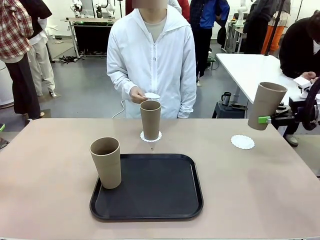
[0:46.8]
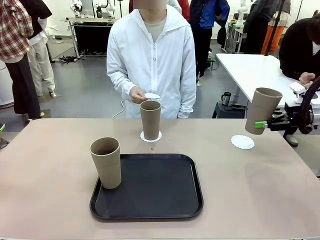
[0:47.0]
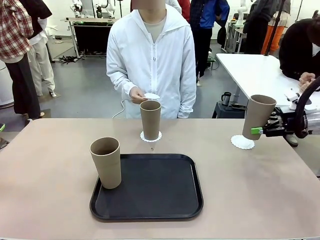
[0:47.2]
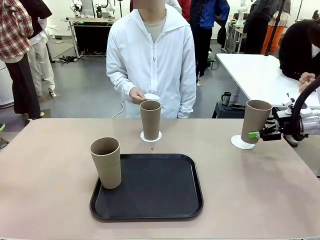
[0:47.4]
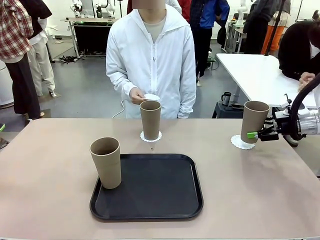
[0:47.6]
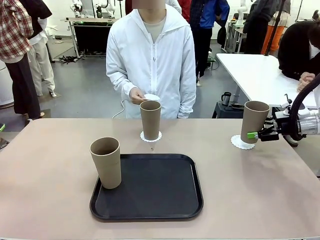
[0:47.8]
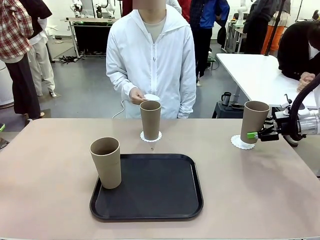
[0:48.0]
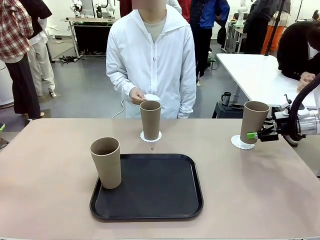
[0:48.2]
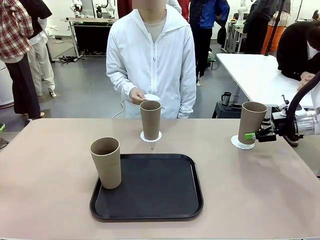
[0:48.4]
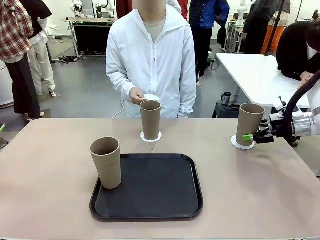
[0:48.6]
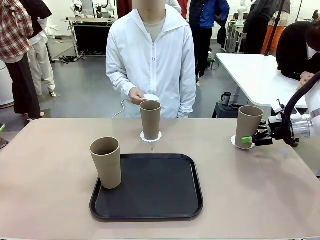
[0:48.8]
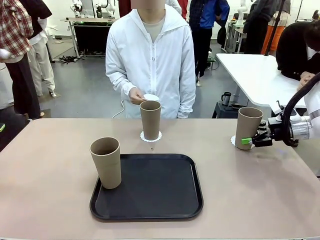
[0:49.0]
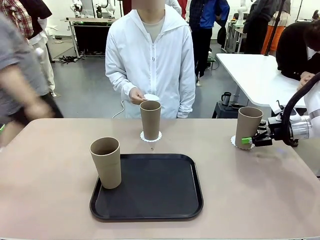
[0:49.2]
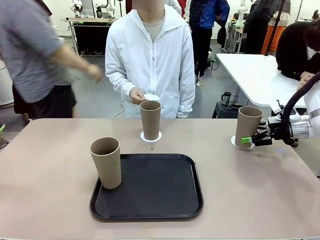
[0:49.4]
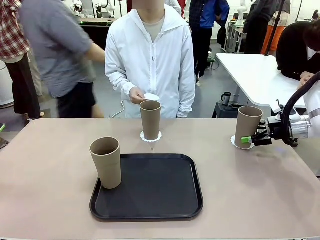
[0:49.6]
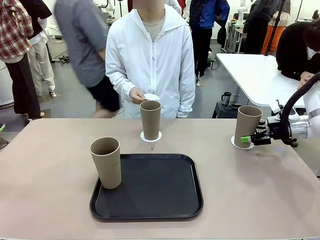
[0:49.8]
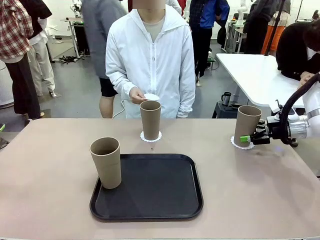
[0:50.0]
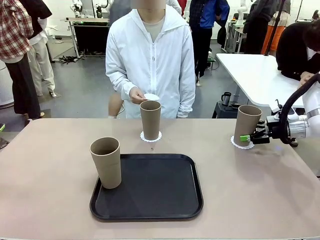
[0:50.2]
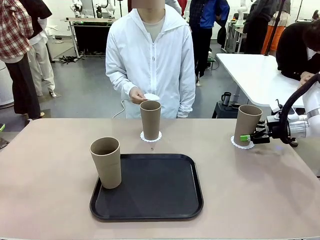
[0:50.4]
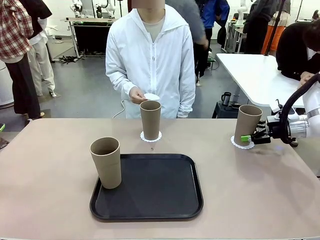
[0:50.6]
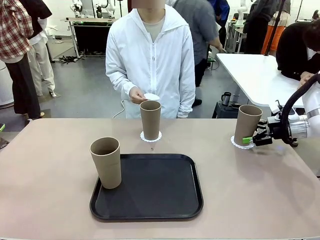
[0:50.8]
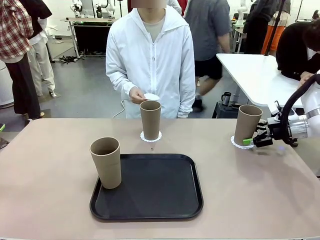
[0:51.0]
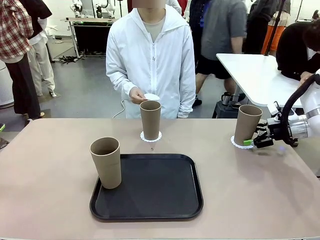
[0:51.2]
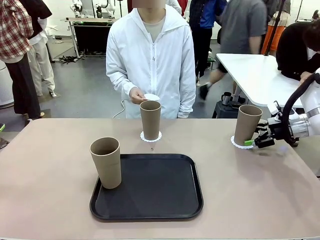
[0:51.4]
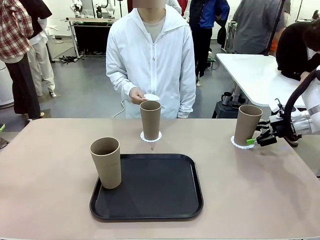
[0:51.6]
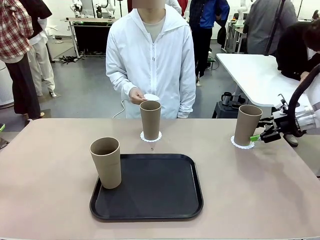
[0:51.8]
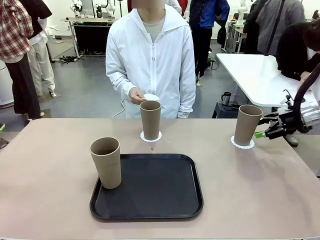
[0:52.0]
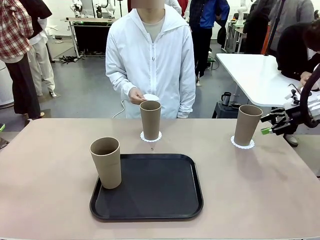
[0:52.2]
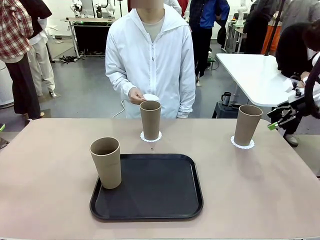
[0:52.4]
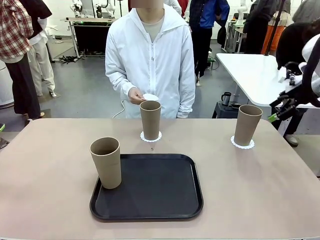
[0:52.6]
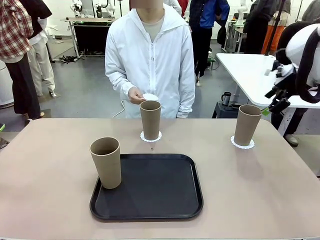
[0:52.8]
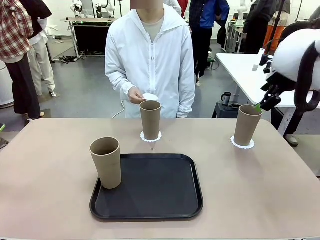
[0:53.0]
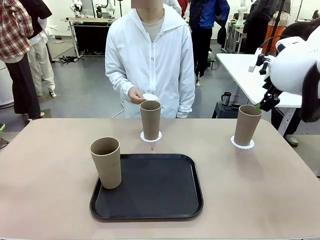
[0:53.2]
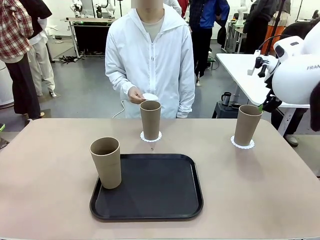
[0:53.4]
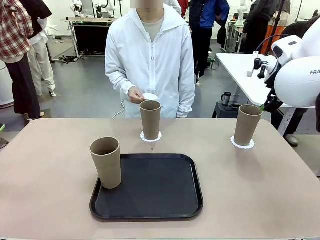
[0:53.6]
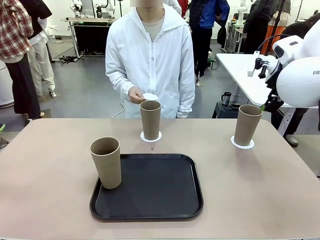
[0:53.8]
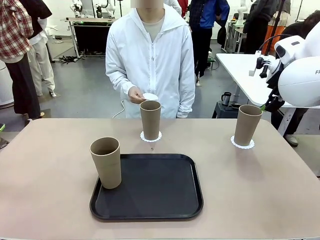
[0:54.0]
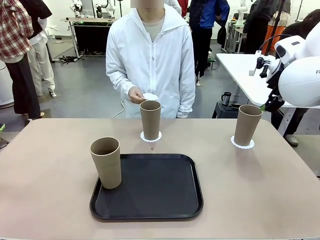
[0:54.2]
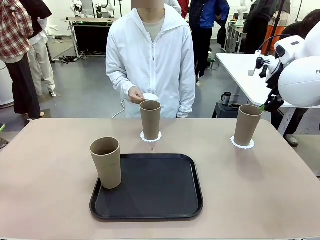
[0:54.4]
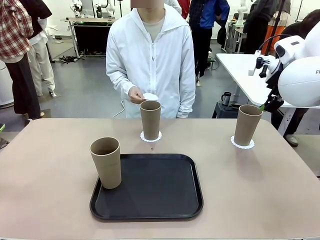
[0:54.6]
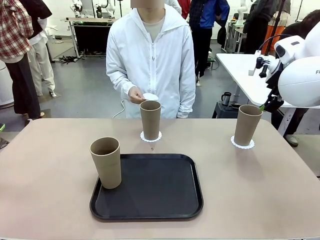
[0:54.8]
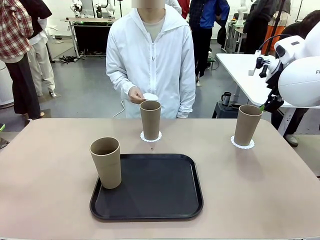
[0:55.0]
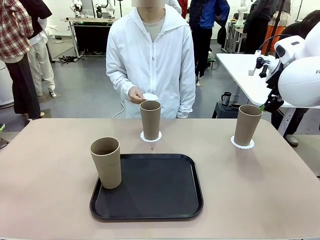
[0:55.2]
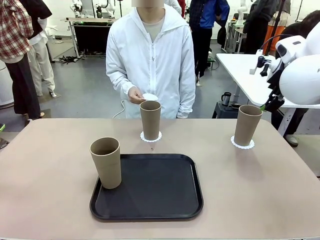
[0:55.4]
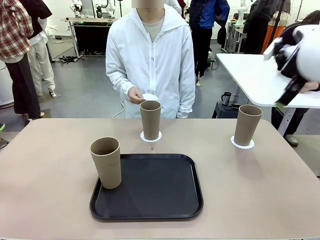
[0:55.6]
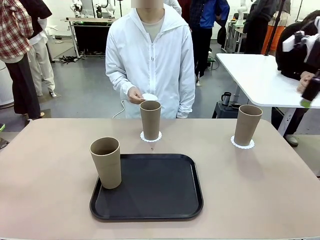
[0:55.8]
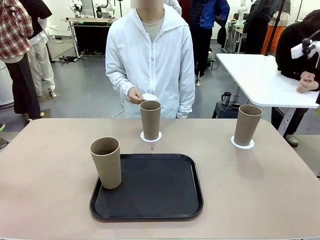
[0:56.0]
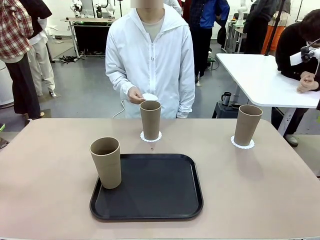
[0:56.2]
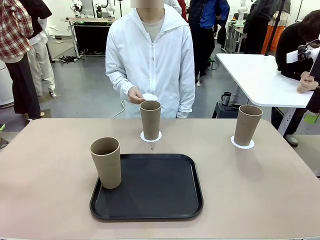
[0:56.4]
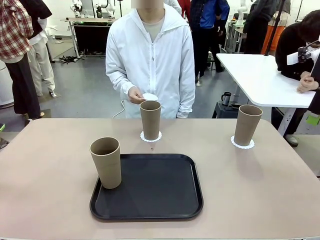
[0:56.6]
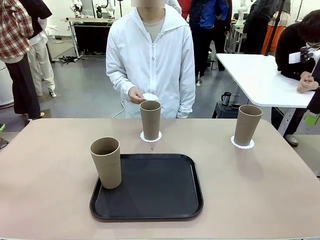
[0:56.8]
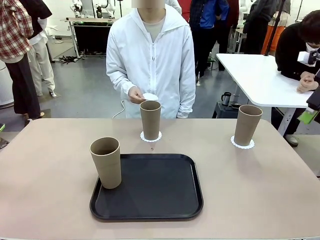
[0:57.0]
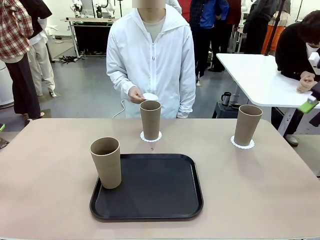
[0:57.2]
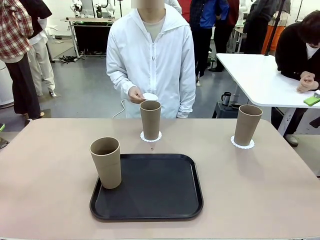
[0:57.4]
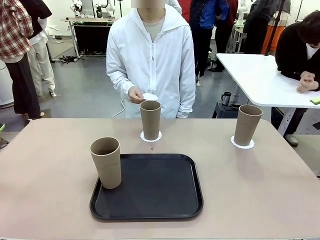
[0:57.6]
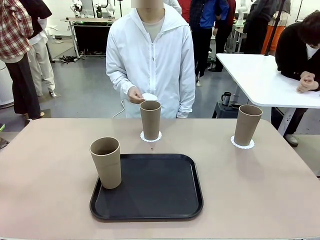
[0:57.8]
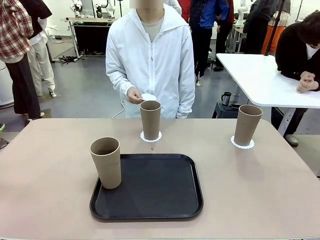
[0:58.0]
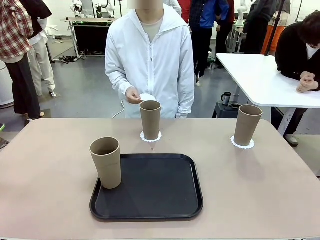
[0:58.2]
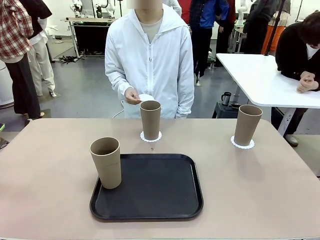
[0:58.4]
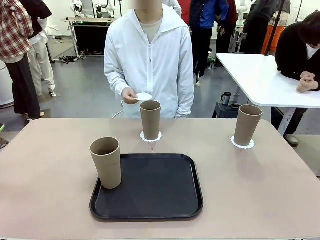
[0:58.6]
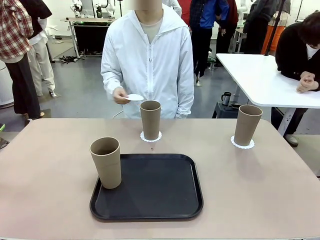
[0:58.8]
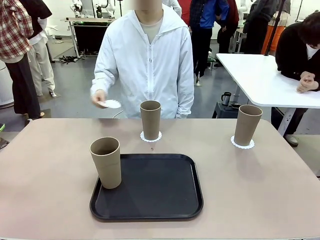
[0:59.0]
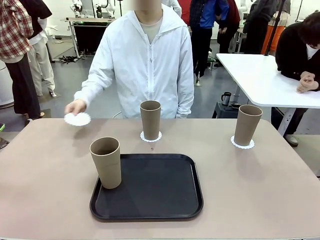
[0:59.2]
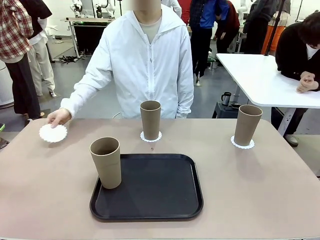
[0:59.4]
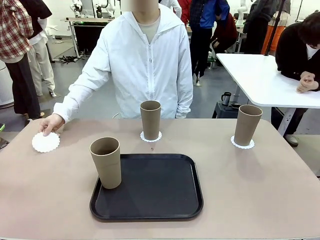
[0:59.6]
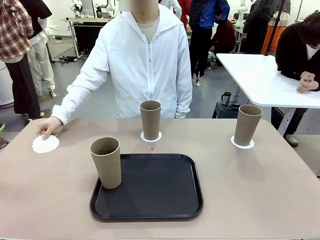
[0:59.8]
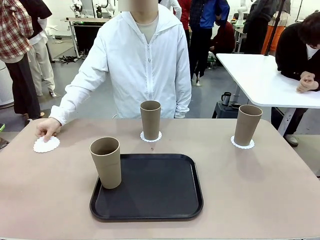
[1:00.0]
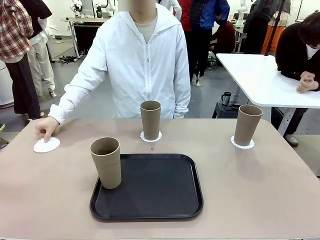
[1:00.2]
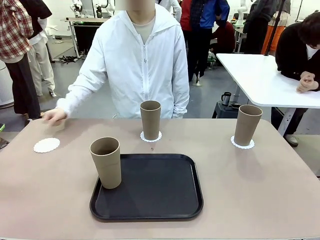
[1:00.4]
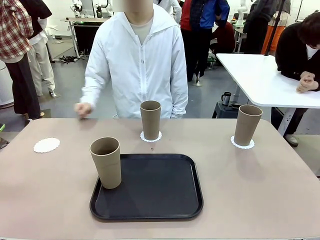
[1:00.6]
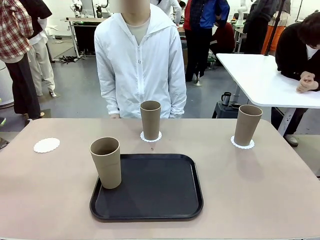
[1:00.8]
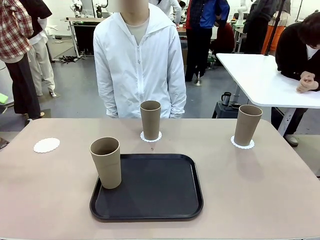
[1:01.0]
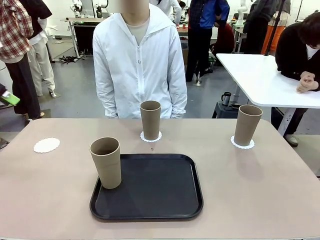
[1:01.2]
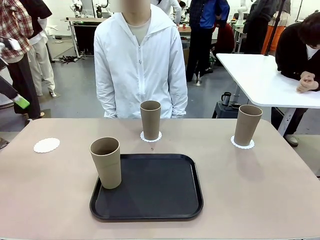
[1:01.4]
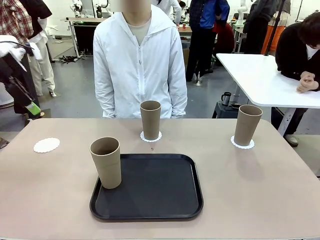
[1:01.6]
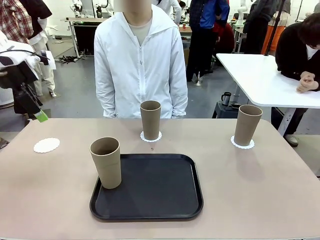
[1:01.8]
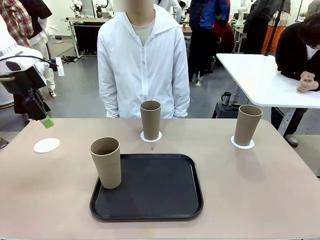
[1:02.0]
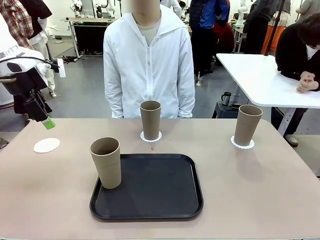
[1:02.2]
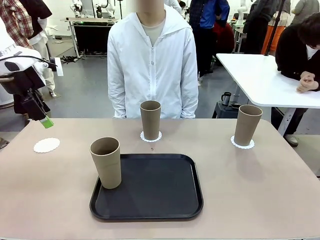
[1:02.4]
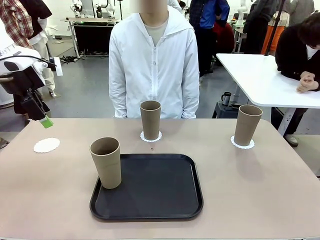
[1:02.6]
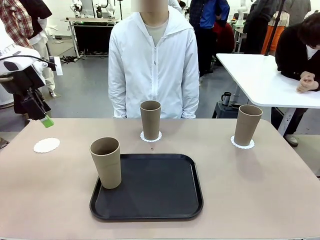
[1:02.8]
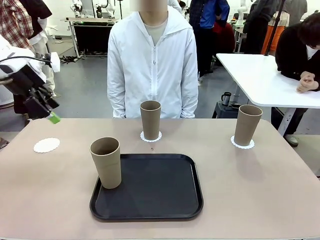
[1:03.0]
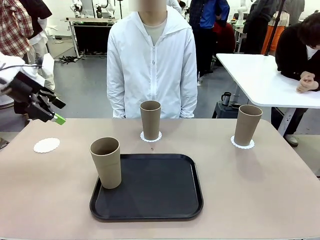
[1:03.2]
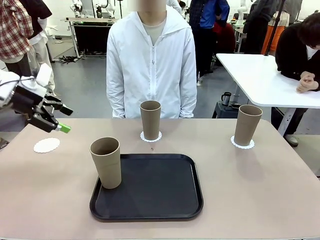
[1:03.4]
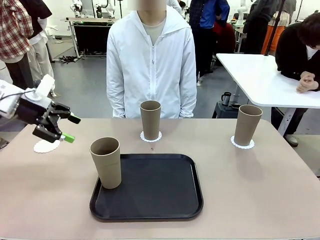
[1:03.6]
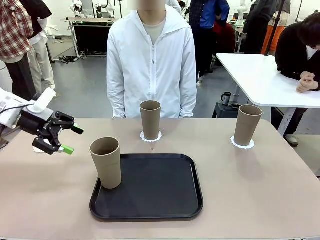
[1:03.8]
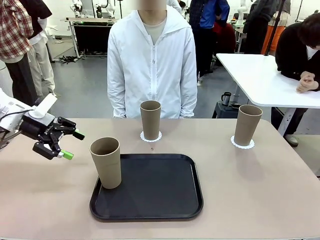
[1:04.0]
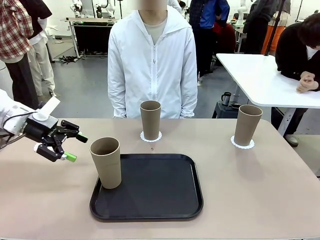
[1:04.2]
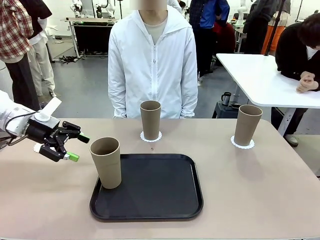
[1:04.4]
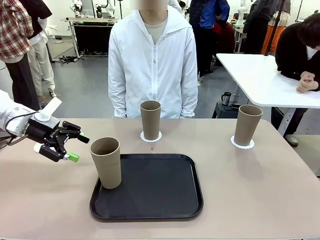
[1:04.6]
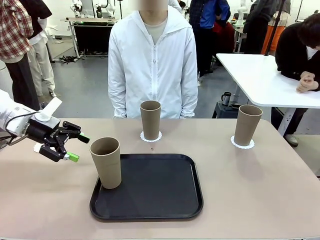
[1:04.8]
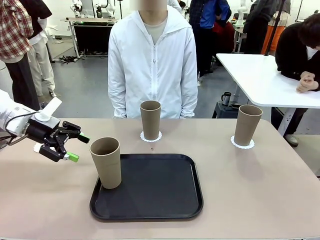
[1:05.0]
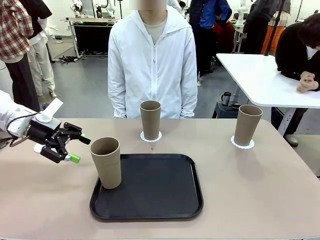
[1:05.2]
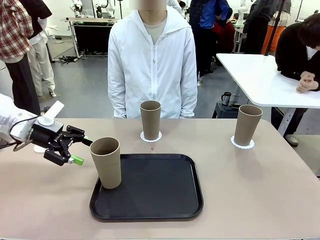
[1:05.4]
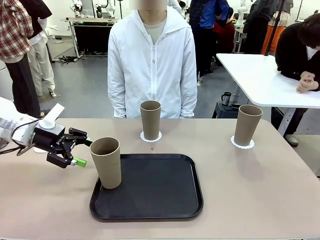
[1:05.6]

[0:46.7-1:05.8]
Task: Place coasters on the table and set cups on them.
Robot: Take one Reusable plastic cup from the Flat Tray and place it on a coaster set by the human.
